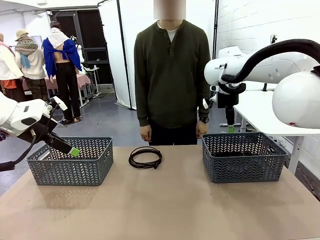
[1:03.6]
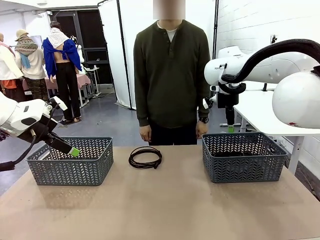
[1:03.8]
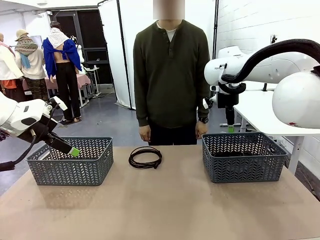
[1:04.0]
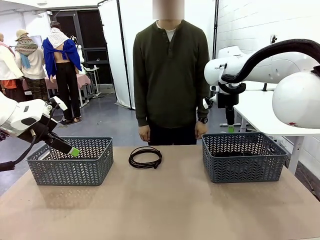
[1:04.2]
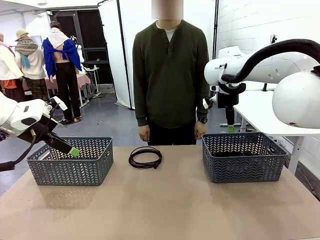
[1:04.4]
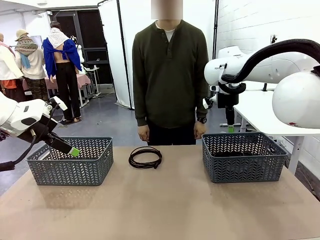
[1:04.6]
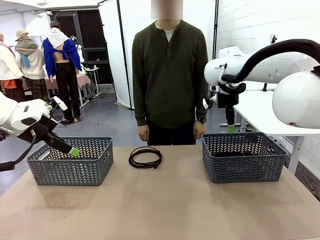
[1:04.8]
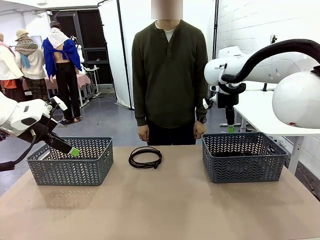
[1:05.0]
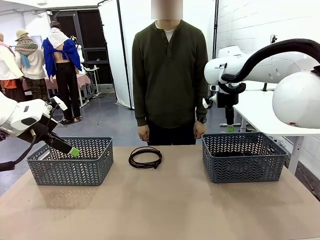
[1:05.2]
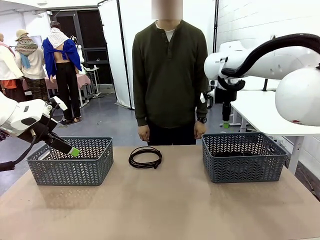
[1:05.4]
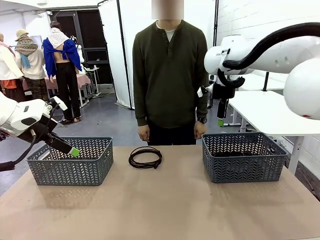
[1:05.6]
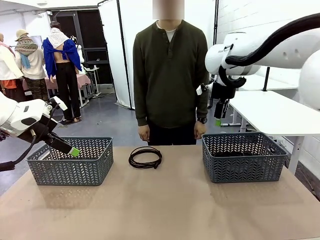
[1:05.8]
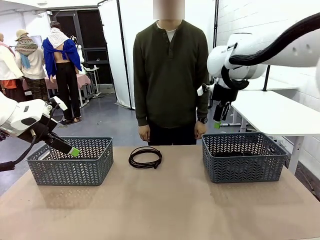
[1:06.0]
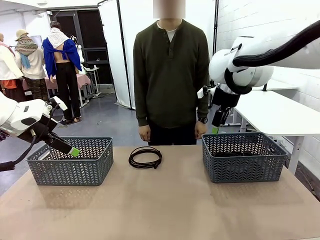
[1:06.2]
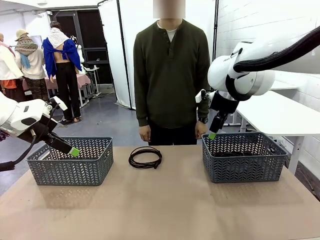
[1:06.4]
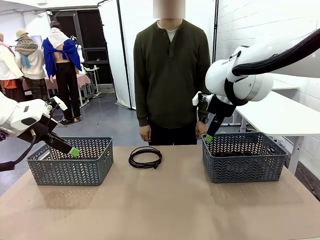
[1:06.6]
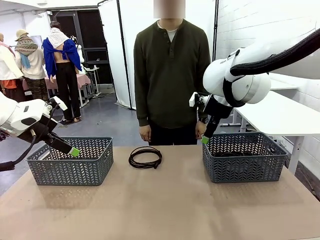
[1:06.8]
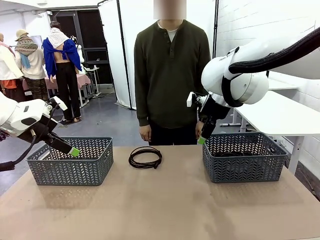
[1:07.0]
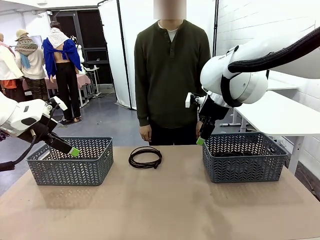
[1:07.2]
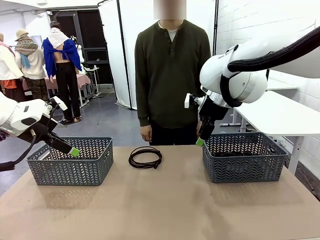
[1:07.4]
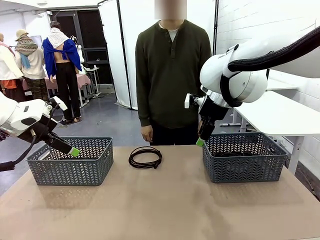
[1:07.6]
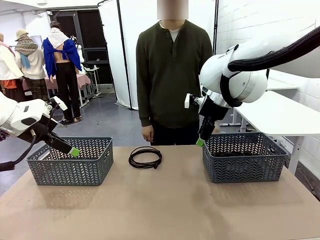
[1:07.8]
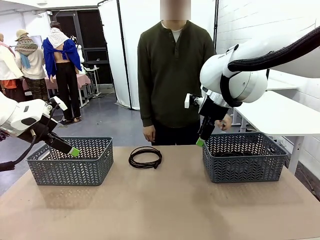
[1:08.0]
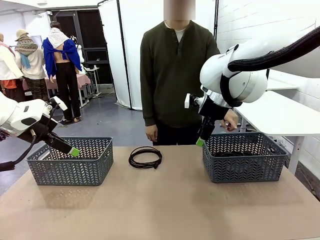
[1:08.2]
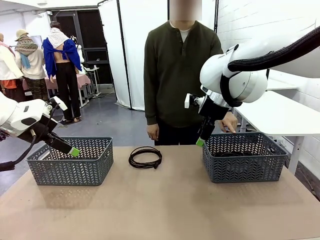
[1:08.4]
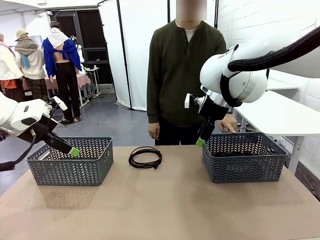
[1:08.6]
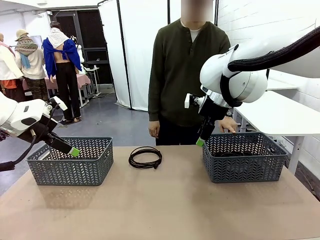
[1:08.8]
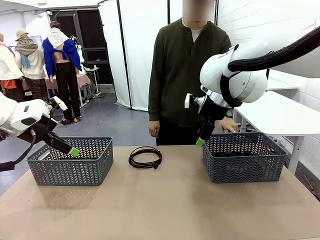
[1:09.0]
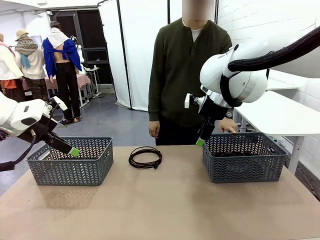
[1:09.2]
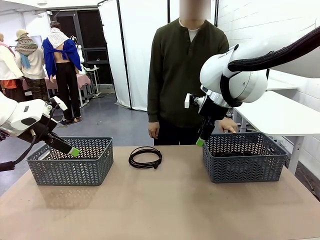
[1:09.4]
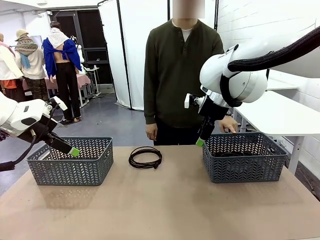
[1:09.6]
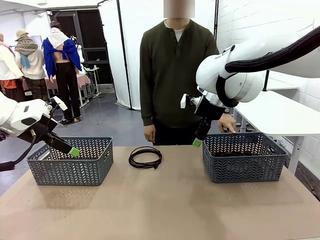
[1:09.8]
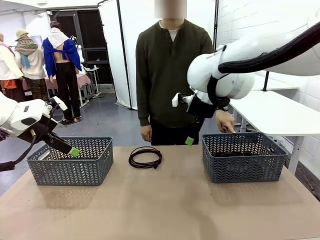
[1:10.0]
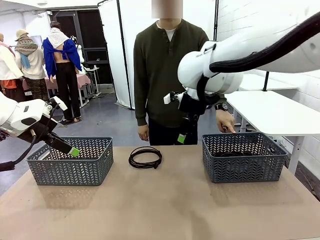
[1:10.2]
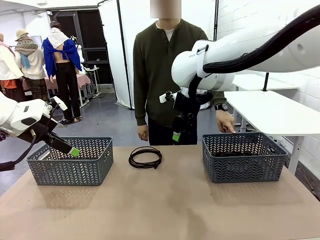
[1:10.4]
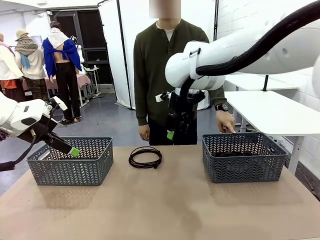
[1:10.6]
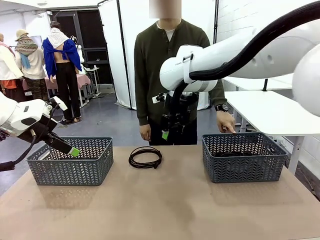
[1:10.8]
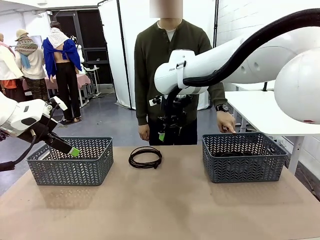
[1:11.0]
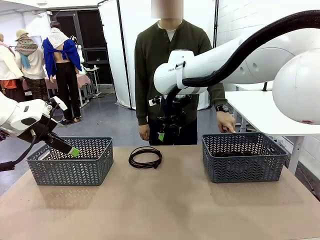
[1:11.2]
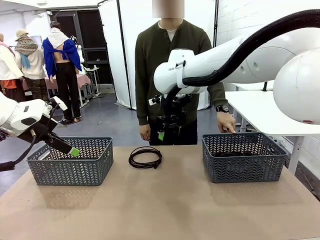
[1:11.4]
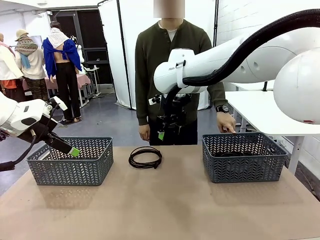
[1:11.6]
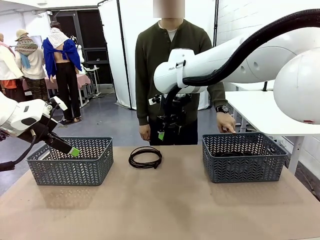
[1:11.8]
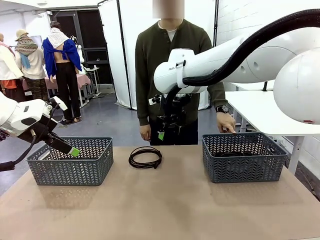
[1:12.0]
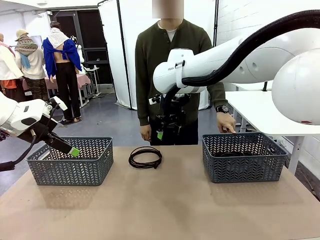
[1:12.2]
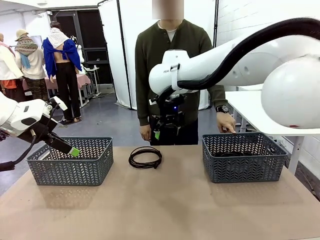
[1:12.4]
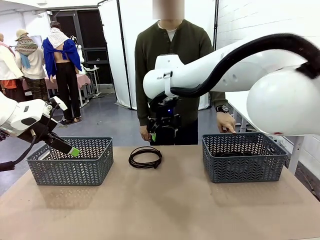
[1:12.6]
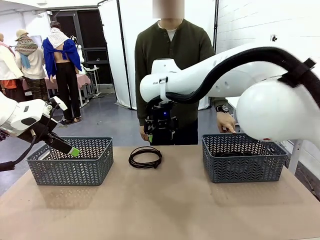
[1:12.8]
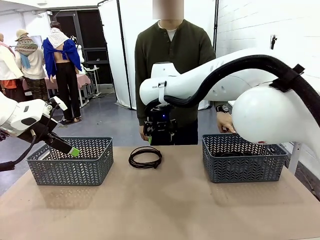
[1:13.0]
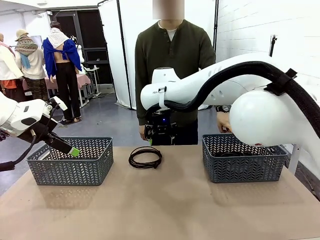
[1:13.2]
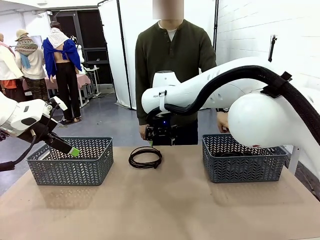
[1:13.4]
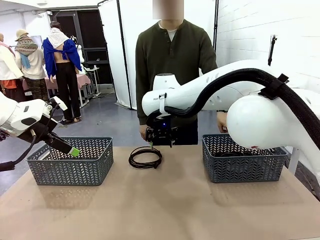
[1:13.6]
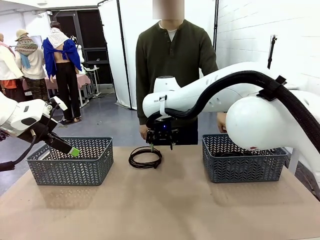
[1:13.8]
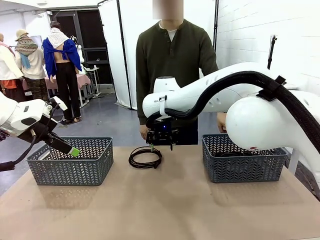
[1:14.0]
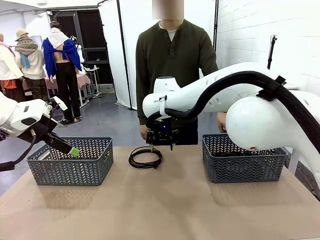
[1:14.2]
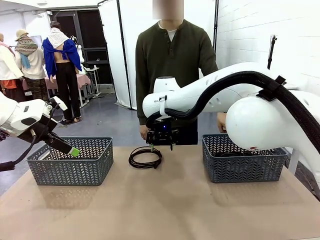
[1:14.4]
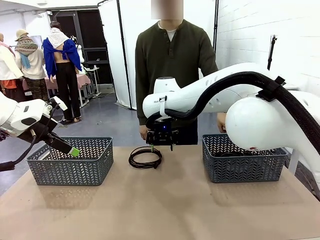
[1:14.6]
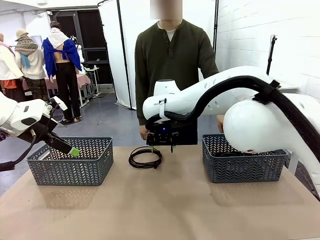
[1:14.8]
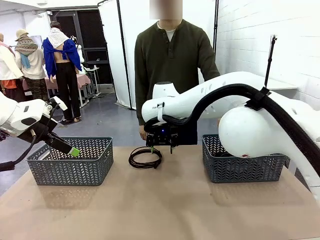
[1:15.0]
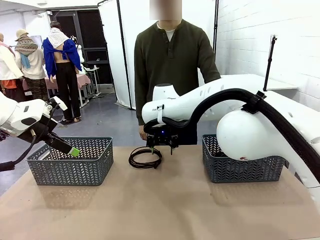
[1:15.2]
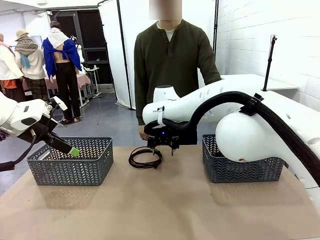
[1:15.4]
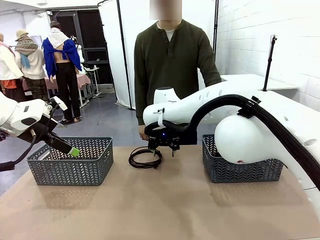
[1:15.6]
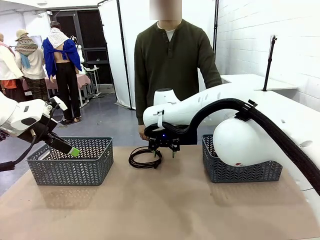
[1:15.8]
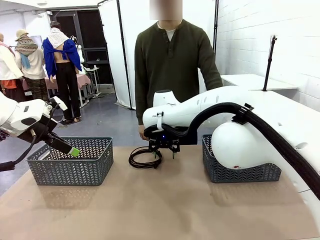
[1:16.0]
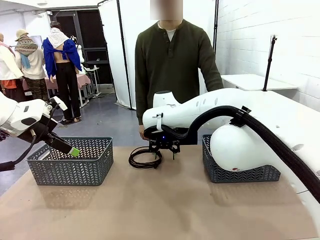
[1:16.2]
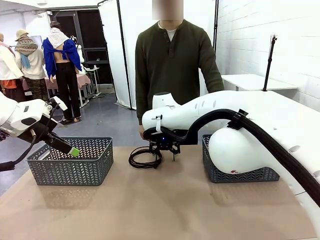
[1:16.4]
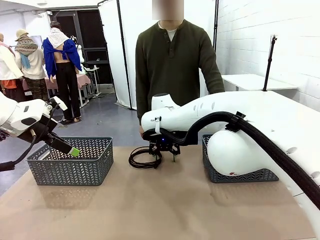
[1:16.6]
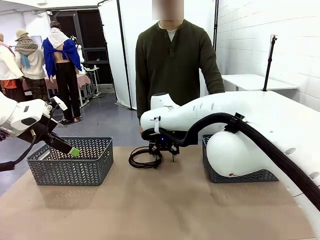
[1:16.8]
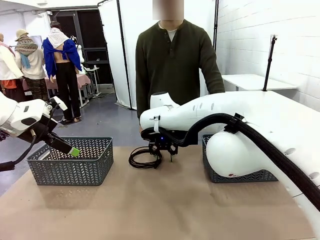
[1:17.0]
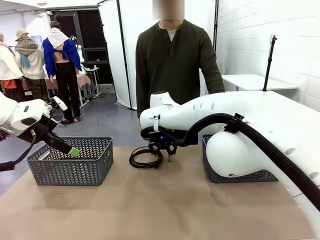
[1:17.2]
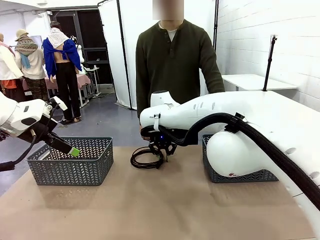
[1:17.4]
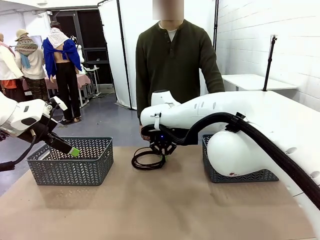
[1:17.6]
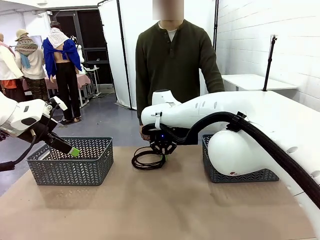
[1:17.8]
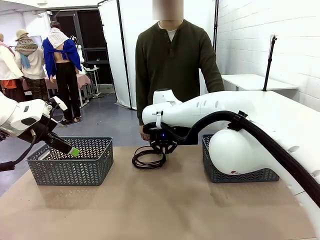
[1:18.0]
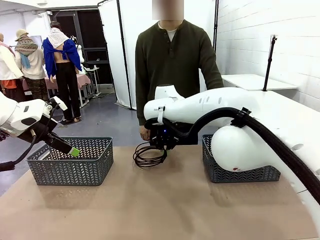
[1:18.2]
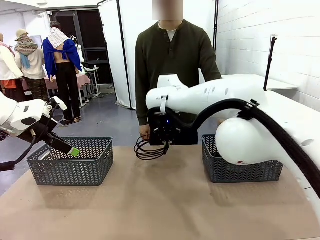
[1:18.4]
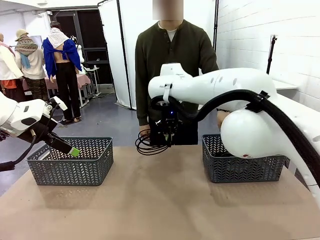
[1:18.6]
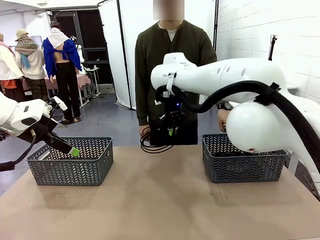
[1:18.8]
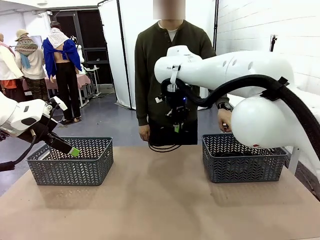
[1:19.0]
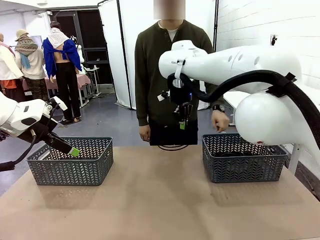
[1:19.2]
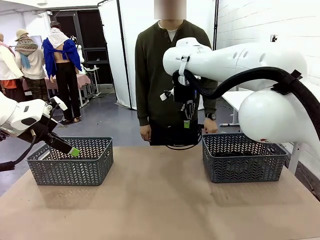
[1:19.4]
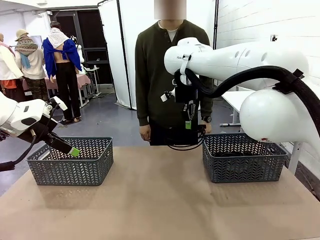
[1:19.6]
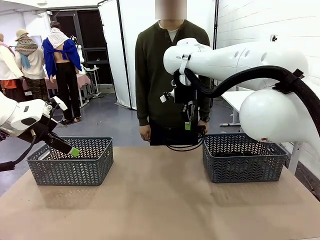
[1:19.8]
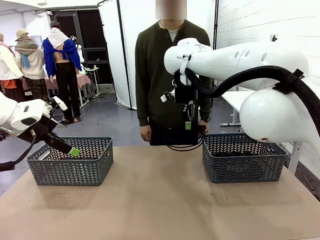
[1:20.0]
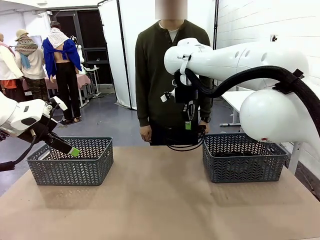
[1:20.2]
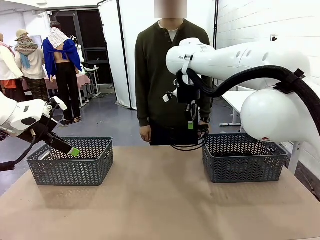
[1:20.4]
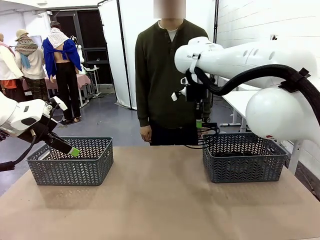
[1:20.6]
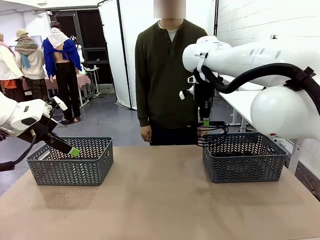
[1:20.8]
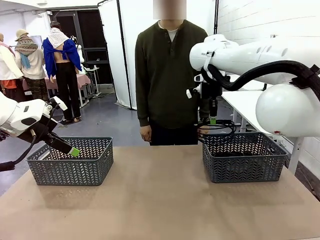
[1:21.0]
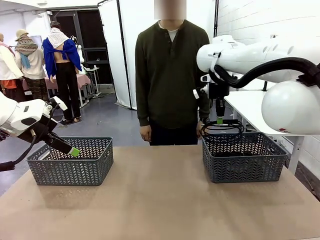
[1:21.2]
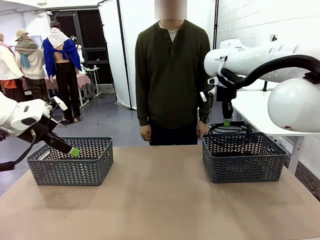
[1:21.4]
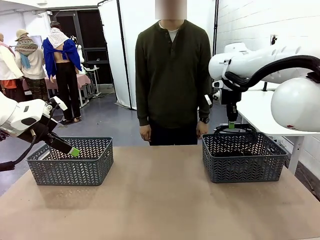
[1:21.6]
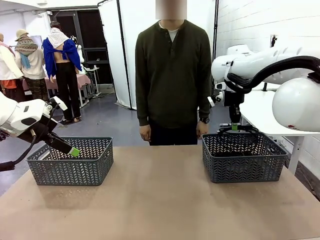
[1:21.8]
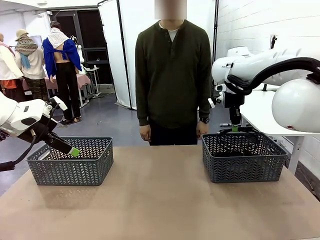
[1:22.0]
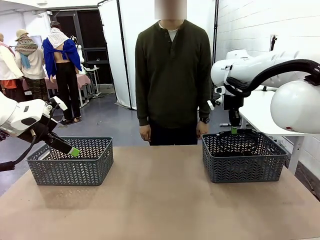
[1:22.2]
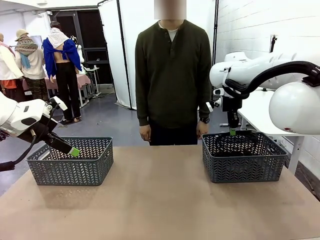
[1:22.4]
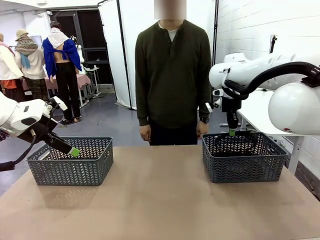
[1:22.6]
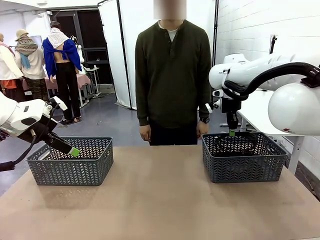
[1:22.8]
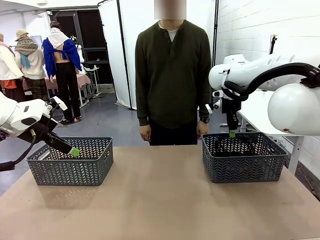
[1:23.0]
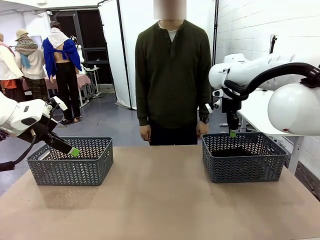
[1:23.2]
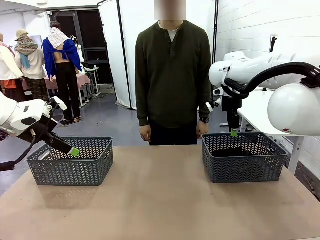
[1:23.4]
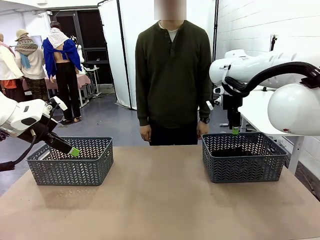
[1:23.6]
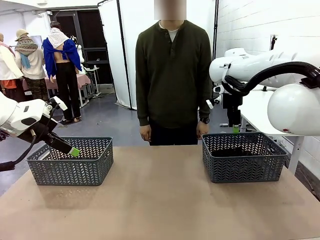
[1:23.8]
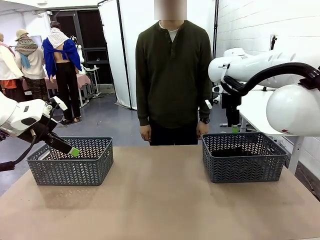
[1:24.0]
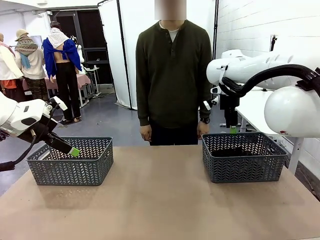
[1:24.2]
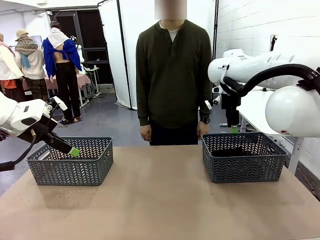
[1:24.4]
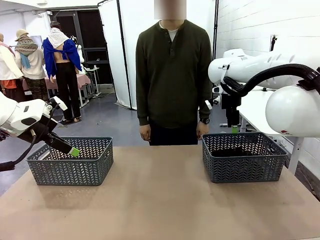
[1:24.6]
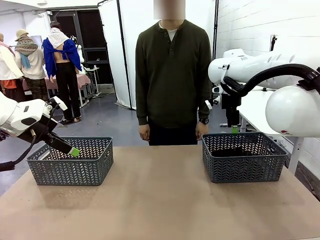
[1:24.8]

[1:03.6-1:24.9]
Task: Organize the cables according to human instructions.
Robot: Pick up a bundle of cables and place it in the basket indicated by the human.
